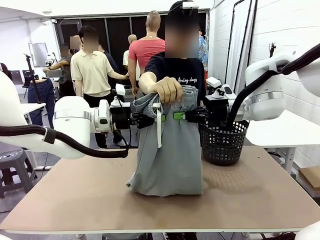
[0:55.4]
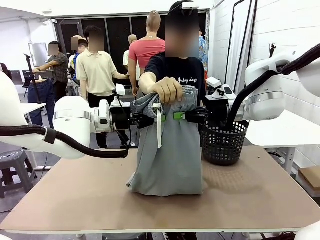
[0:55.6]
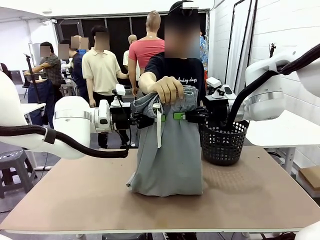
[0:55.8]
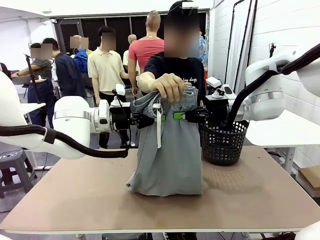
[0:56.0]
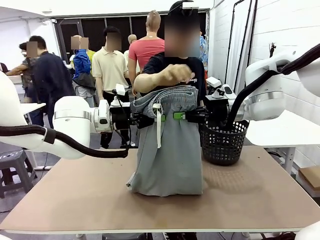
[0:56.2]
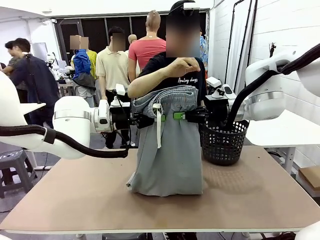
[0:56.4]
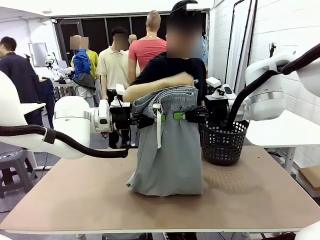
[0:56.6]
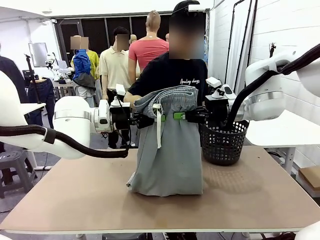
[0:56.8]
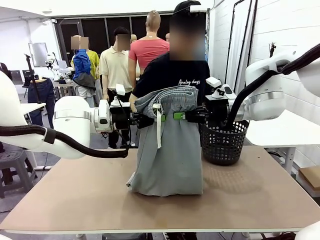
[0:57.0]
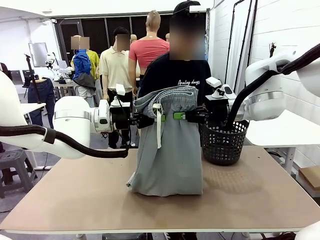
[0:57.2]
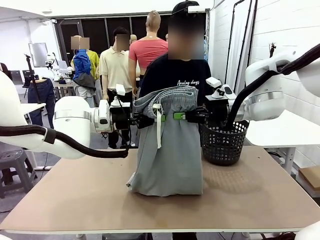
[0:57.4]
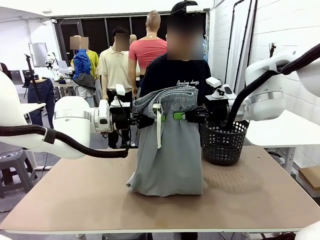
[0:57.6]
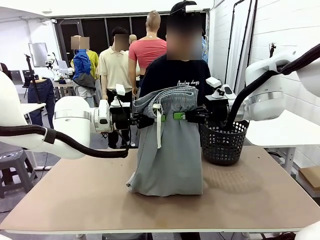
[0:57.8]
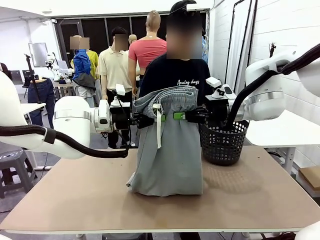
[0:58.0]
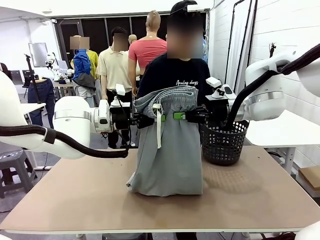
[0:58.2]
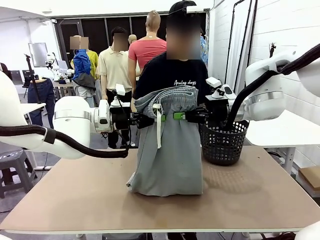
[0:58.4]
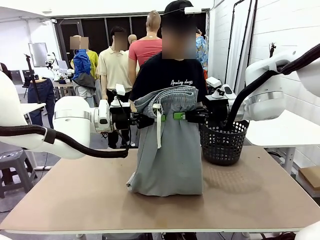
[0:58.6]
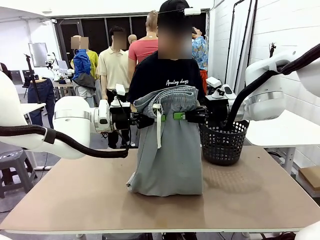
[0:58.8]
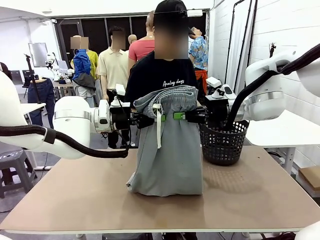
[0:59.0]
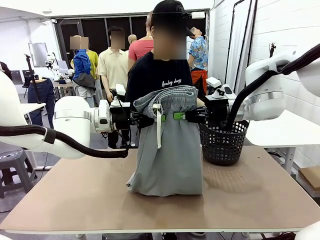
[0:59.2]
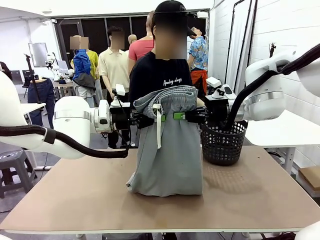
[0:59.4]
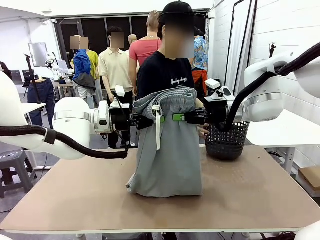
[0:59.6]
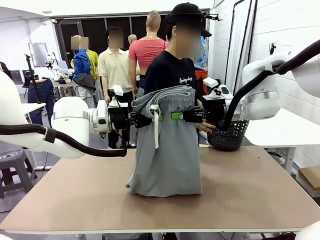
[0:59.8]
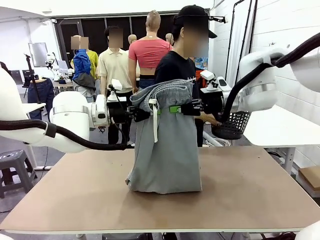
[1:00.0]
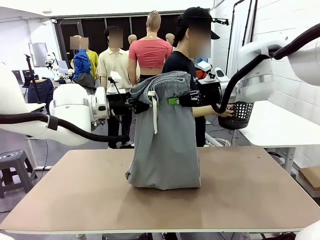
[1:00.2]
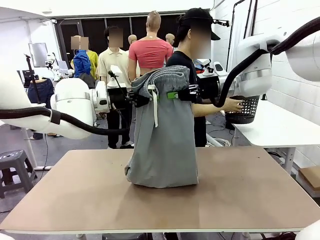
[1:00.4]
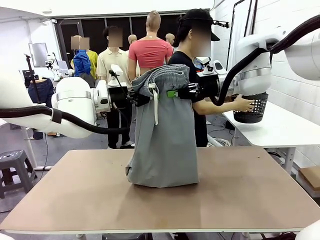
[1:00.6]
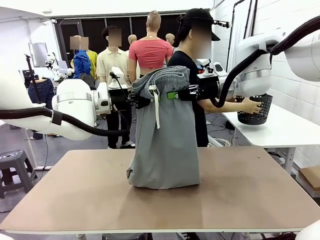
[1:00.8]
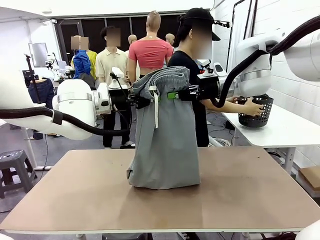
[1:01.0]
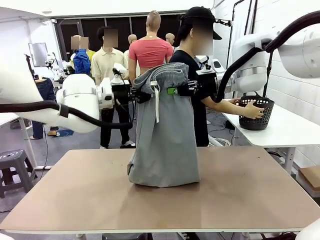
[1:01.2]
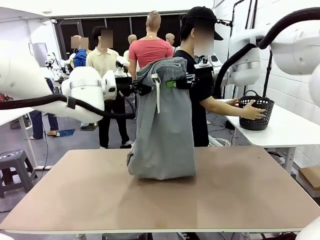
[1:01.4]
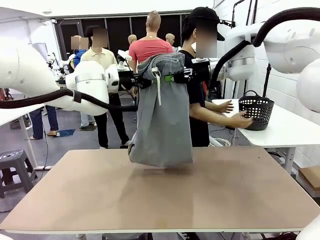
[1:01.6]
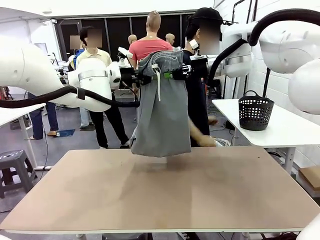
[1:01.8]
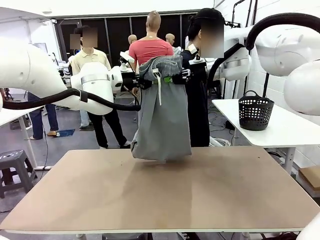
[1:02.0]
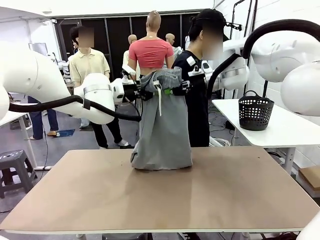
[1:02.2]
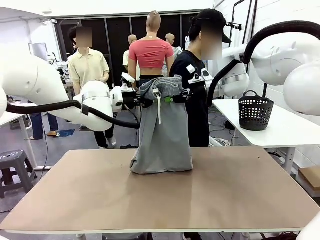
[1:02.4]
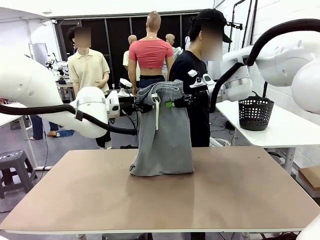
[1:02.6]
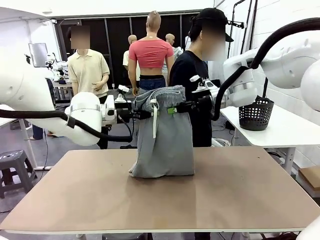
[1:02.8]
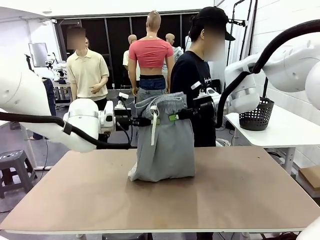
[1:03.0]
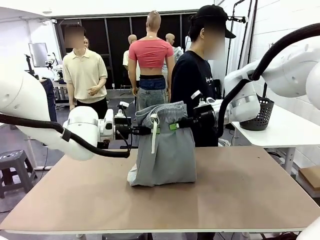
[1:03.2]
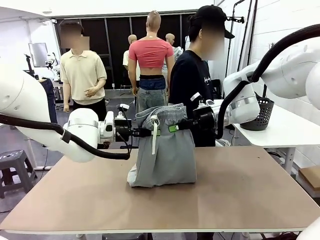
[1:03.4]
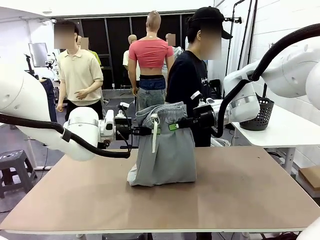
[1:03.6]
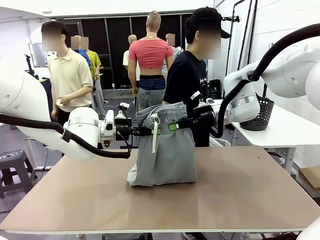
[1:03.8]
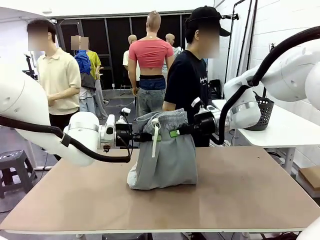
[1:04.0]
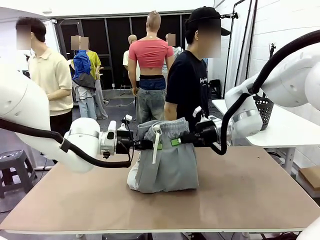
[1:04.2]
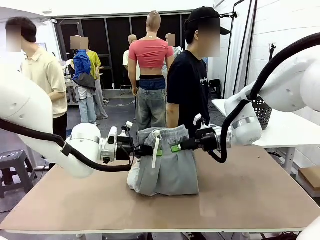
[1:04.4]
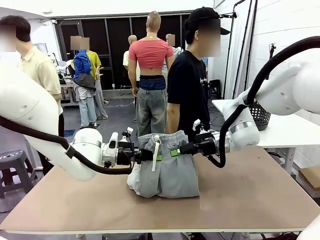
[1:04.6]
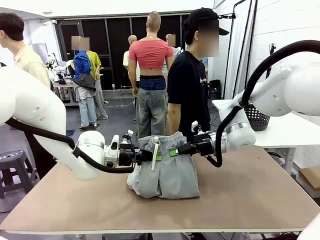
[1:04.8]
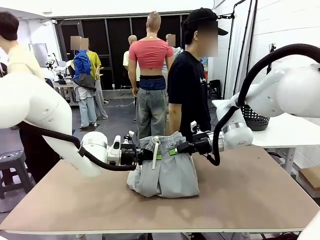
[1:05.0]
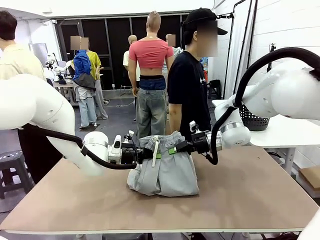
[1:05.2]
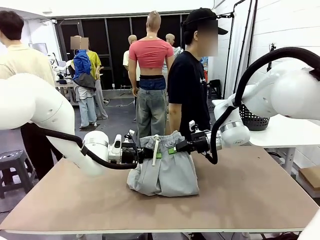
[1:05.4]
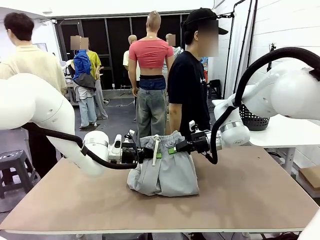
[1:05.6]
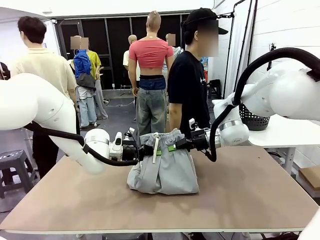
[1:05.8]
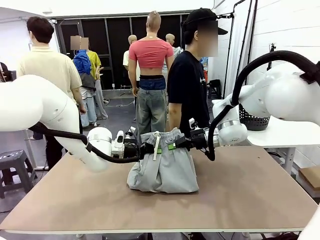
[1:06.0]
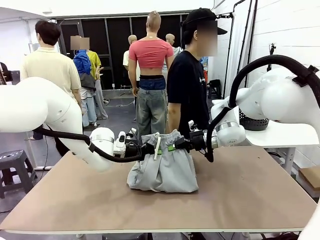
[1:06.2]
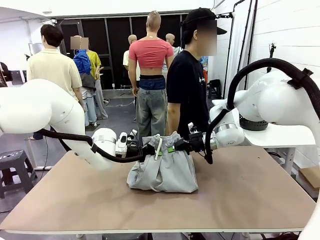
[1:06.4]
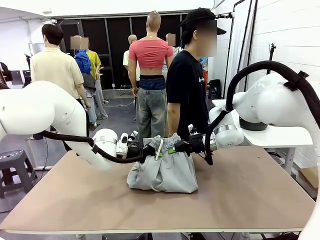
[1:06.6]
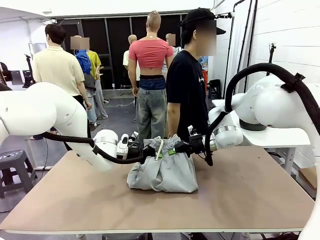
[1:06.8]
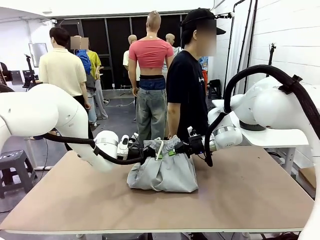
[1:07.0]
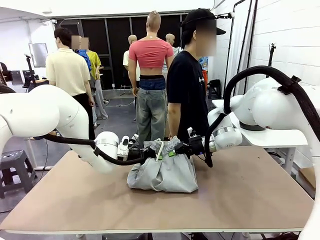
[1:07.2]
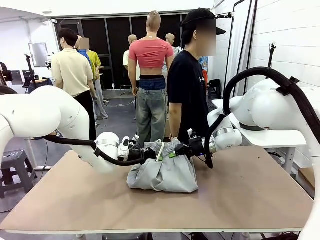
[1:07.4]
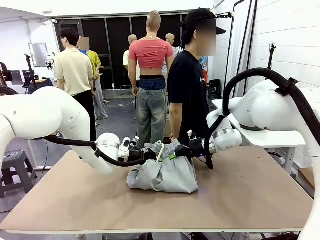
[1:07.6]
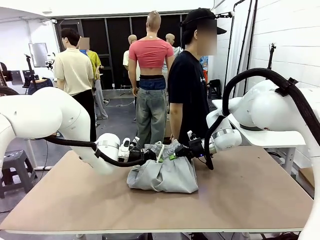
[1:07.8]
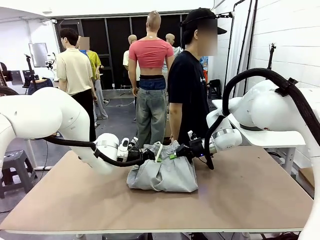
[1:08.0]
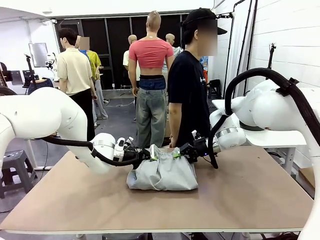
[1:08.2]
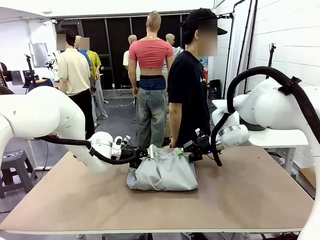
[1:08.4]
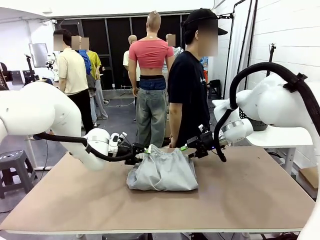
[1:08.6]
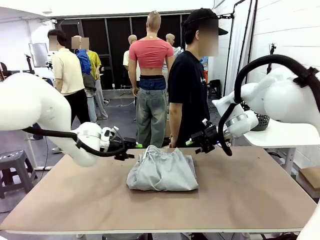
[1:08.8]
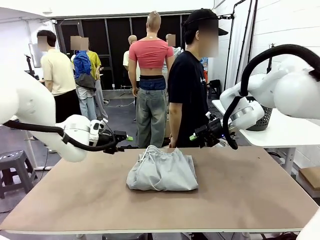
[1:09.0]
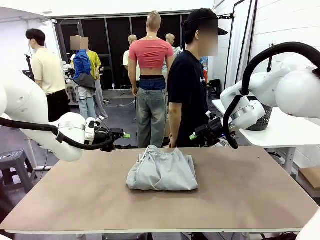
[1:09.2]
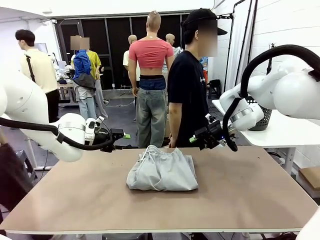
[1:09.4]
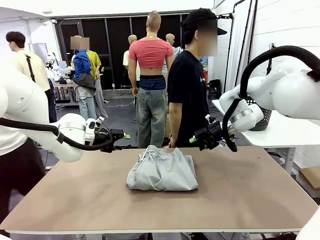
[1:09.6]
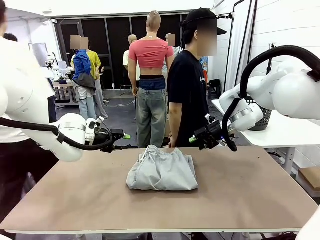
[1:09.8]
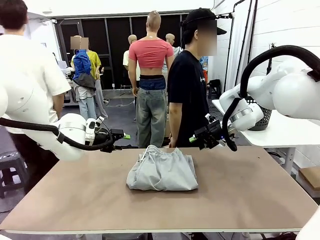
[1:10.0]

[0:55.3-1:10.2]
Task: Fold the training pants.
Robot: Fold the Training pants in half.
Person: Move the laundry basket to the right of the human table.
